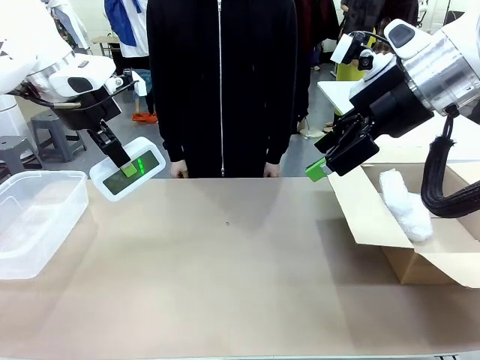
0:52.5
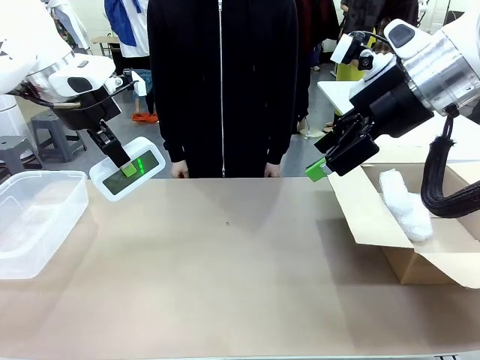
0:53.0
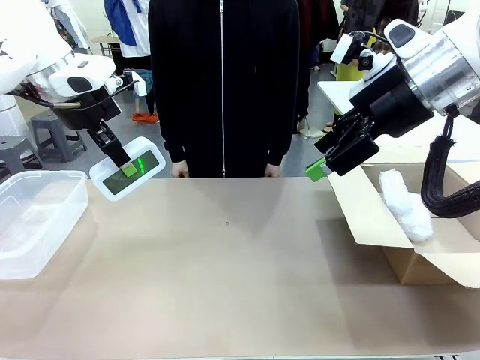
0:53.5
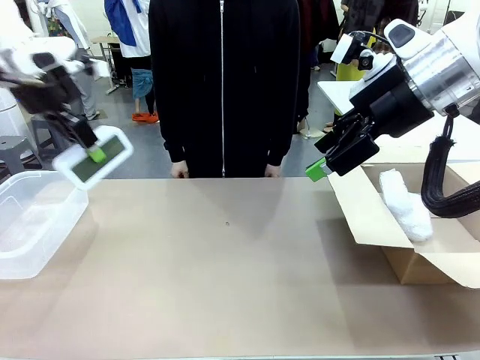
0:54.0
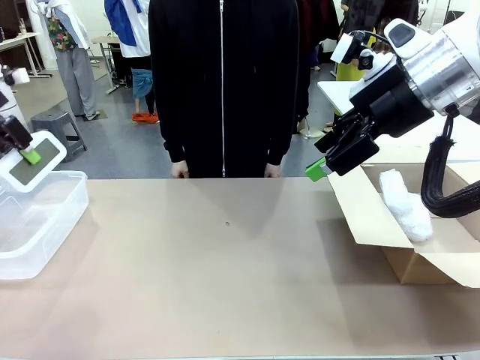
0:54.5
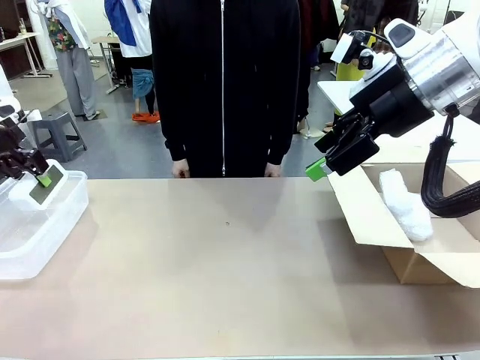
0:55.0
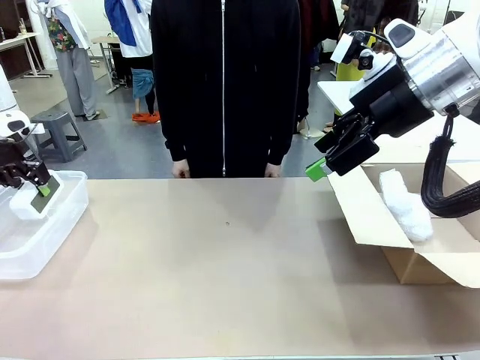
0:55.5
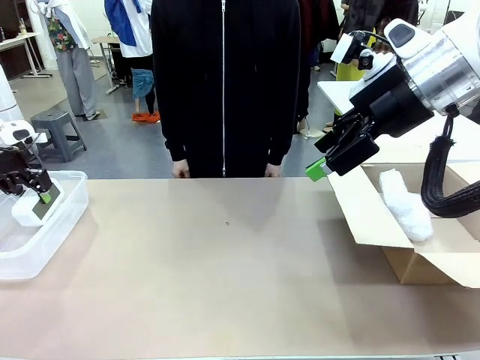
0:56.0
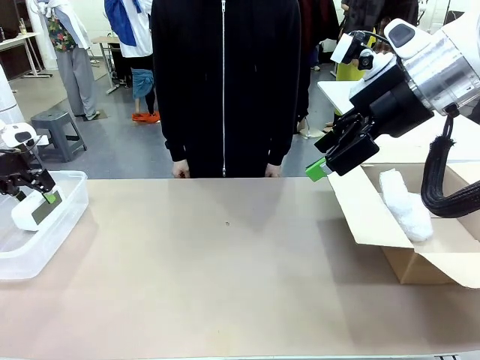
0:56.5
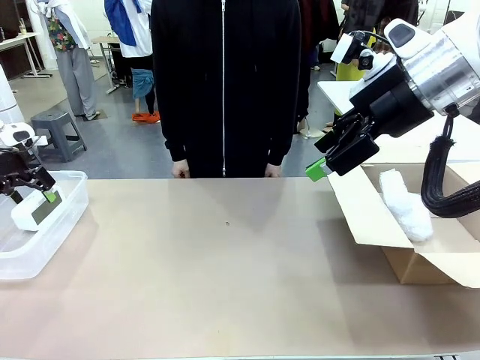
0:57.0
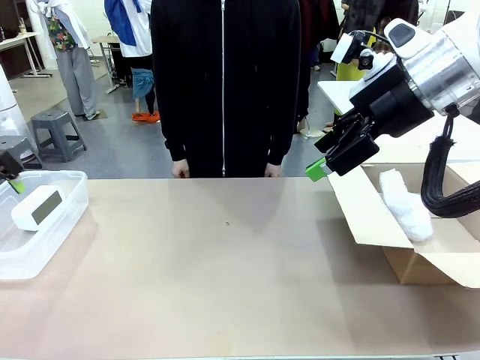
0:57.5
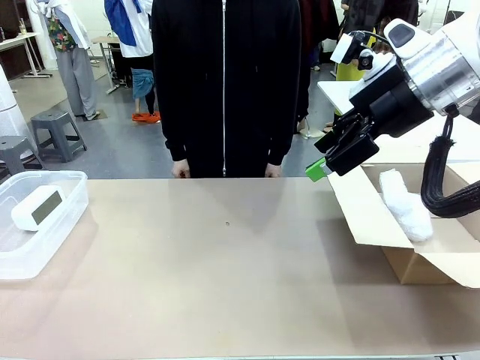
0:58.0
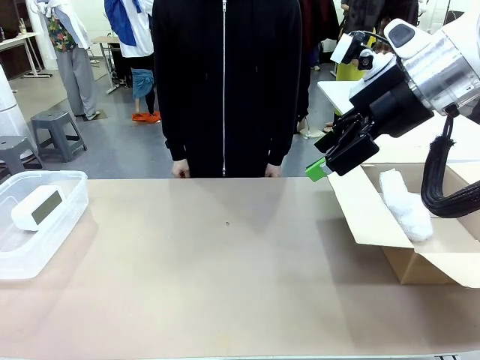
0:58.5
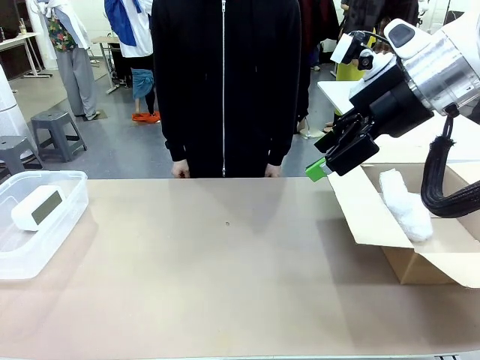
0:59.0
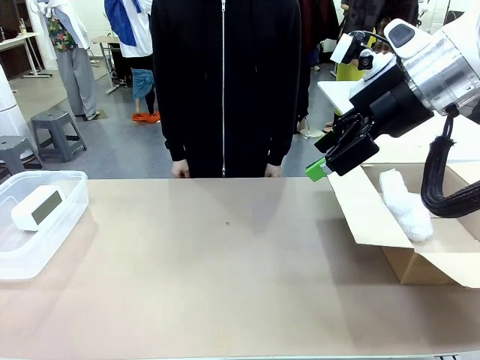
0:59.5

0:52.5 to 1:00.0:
Task: Separate and place wrapped and unwrapped clocks.
Robot: If the picked Digital clock is wrapped, place it in the Package Box ; if not, place it in the Organizing box.

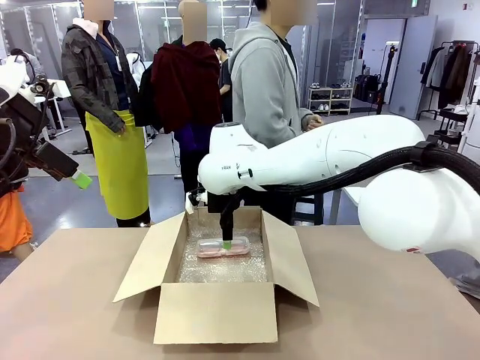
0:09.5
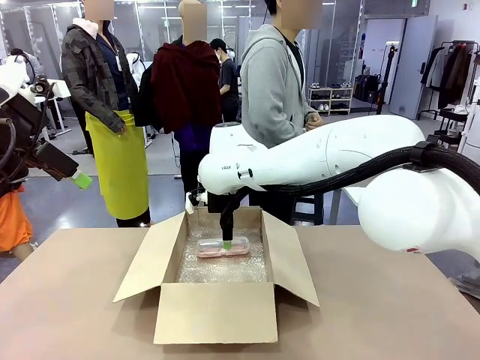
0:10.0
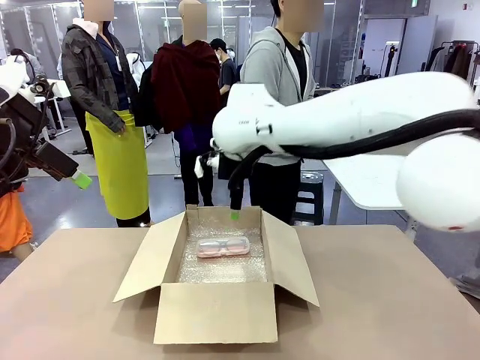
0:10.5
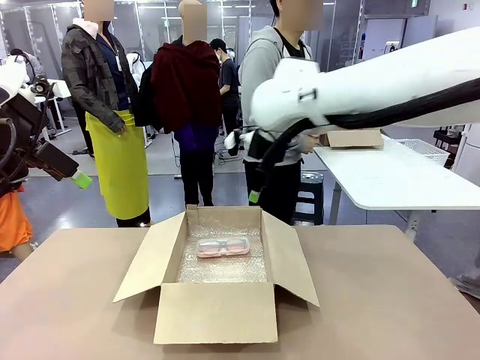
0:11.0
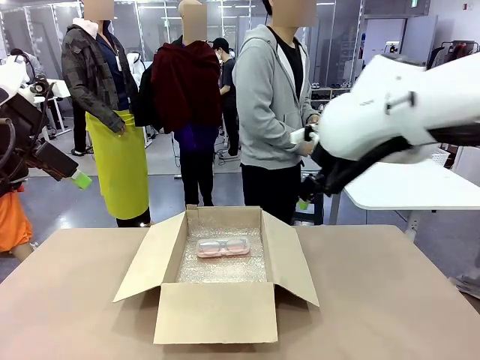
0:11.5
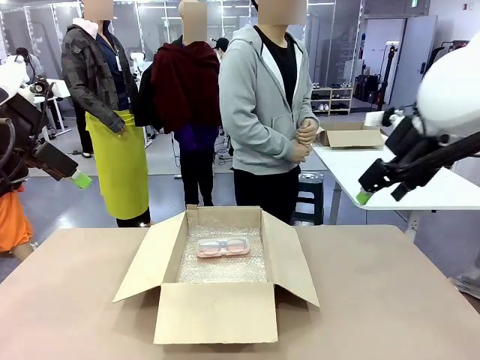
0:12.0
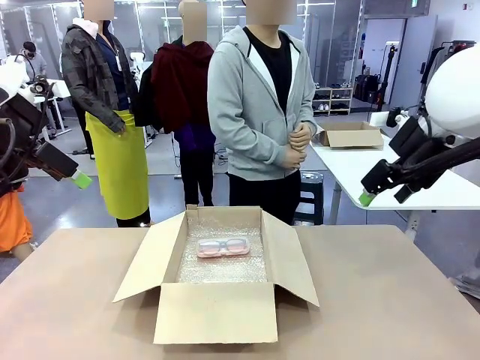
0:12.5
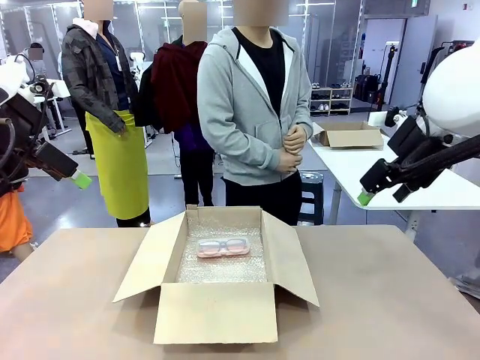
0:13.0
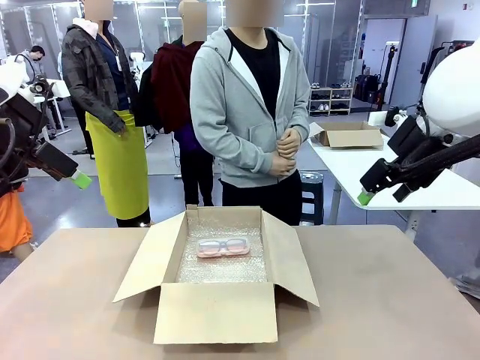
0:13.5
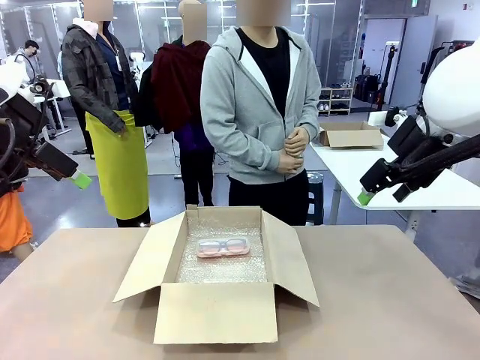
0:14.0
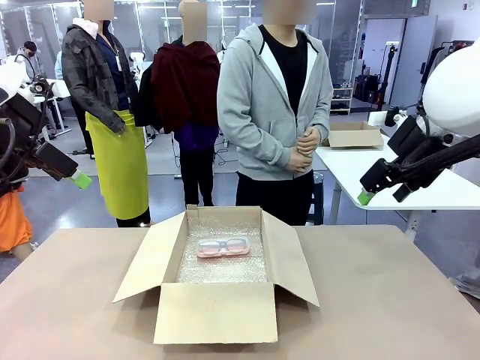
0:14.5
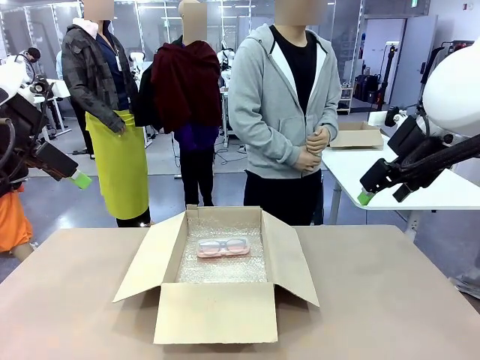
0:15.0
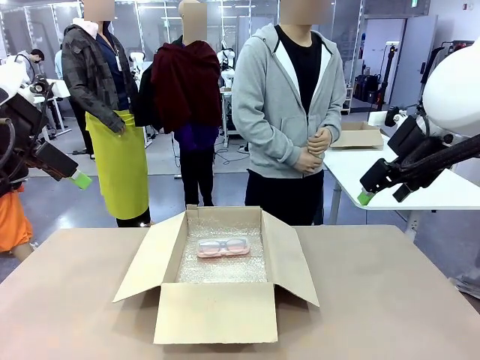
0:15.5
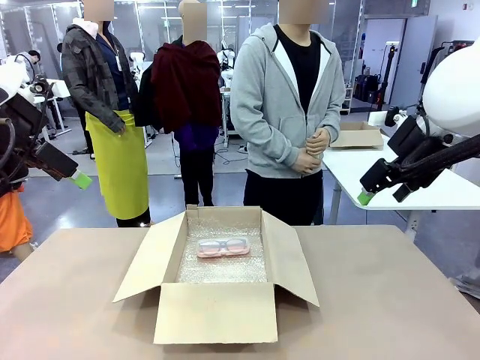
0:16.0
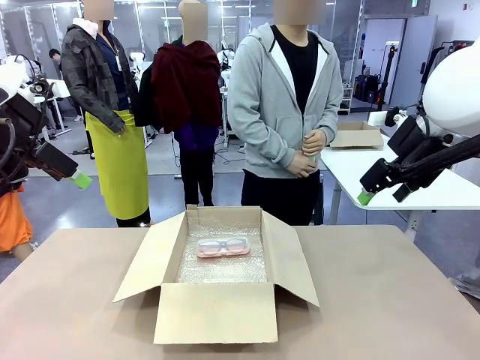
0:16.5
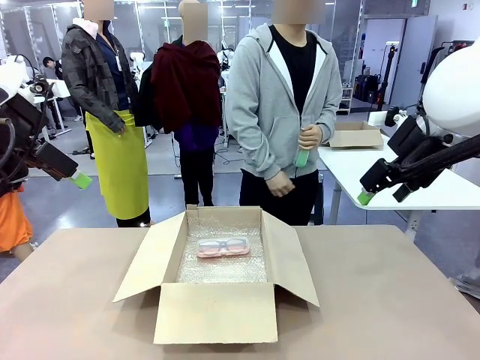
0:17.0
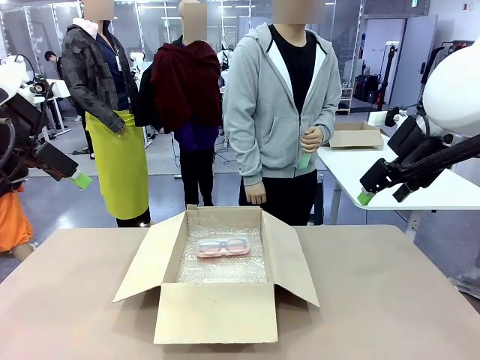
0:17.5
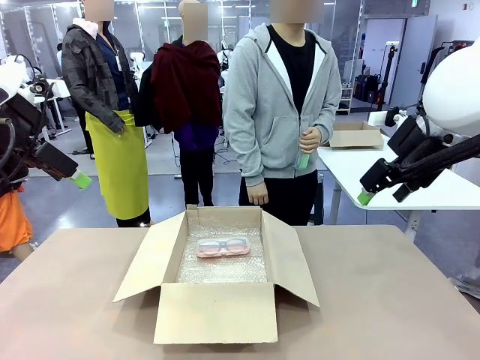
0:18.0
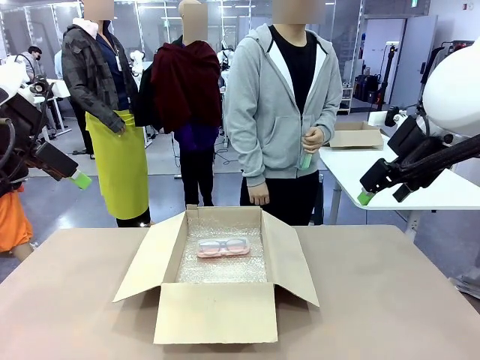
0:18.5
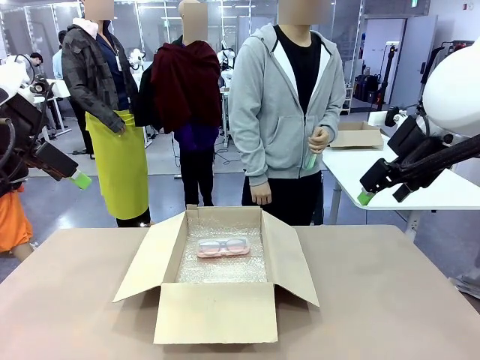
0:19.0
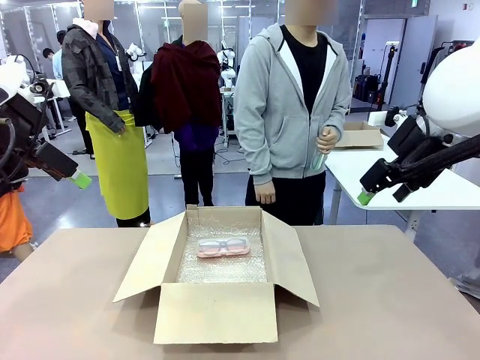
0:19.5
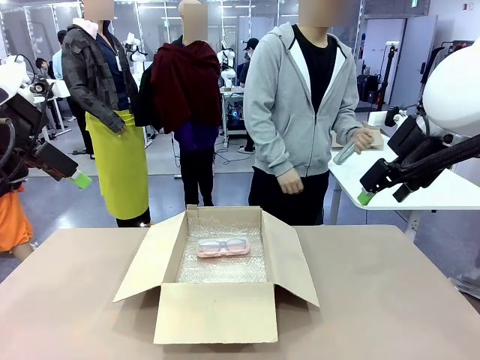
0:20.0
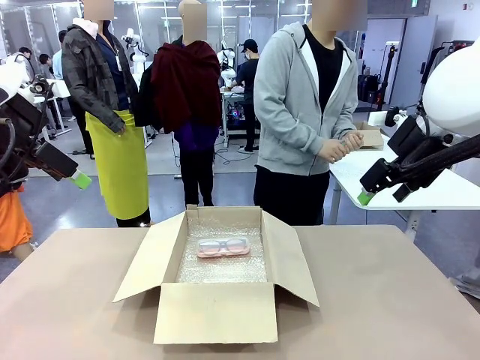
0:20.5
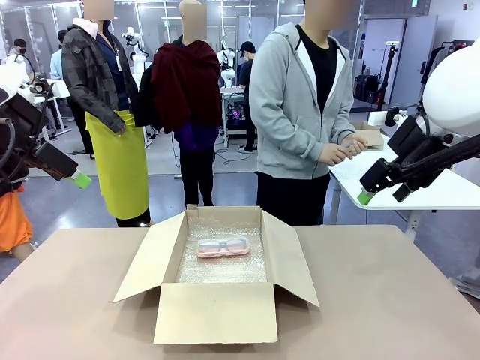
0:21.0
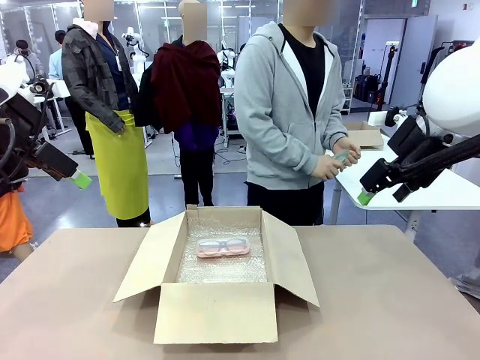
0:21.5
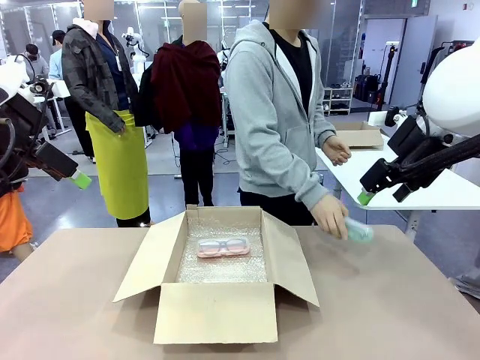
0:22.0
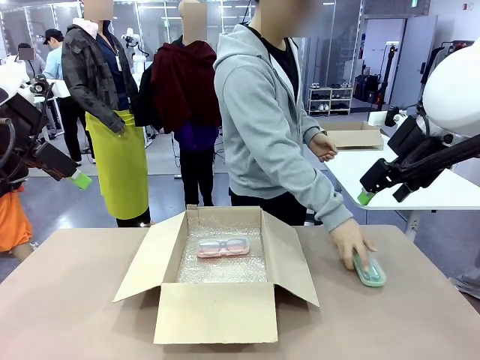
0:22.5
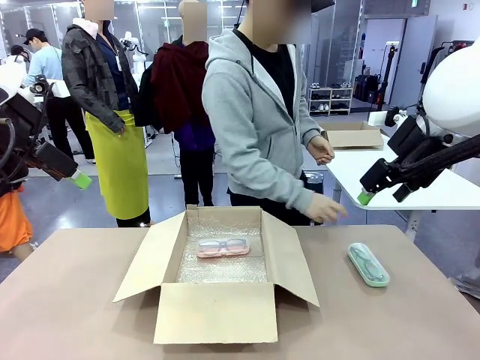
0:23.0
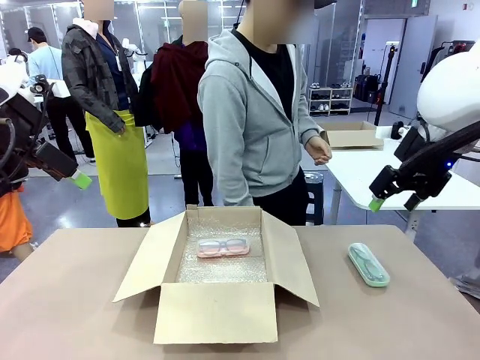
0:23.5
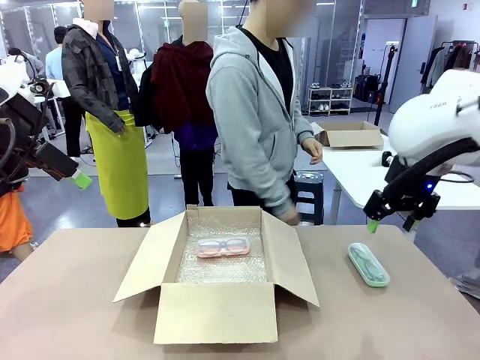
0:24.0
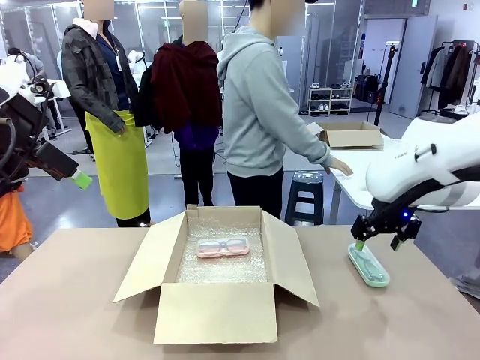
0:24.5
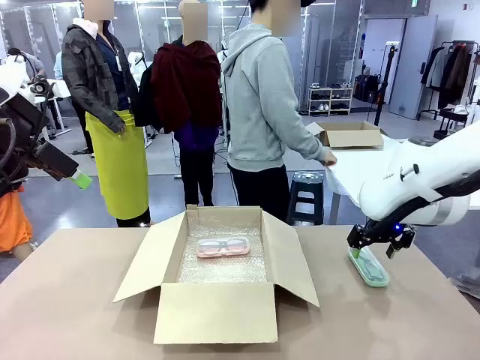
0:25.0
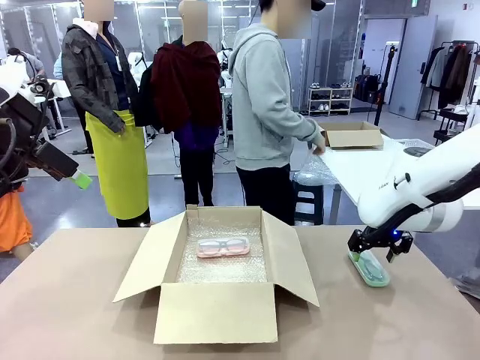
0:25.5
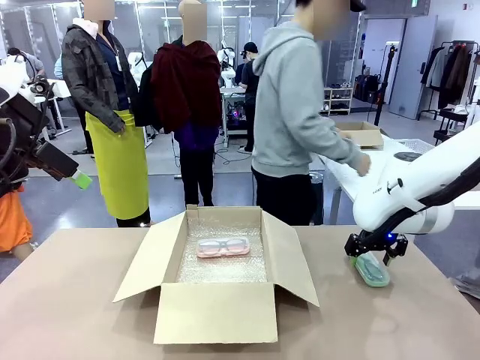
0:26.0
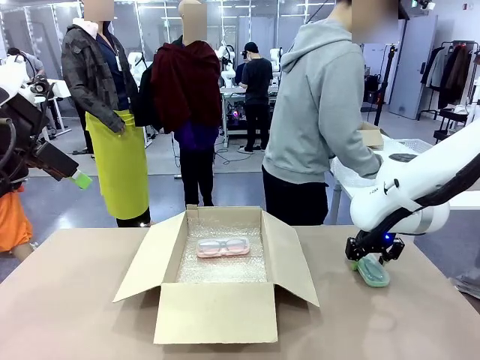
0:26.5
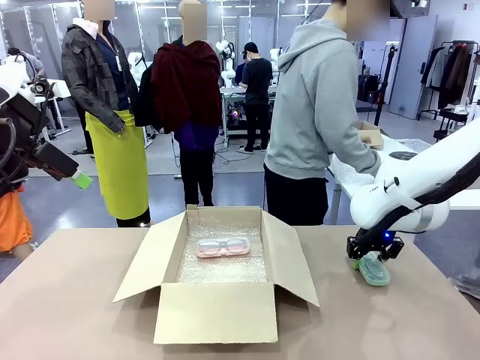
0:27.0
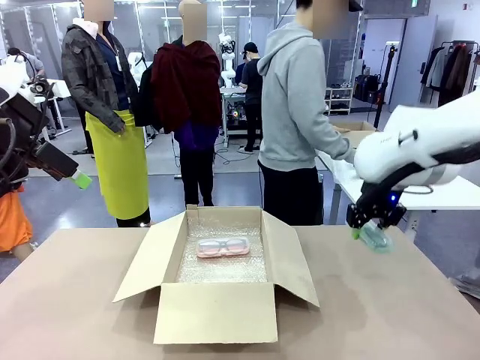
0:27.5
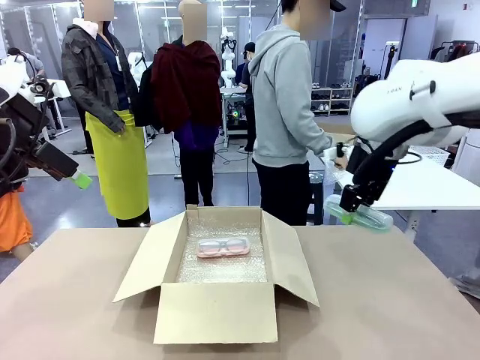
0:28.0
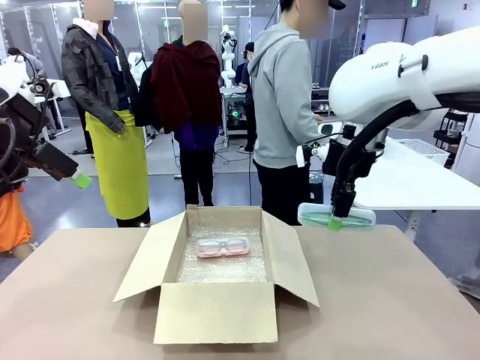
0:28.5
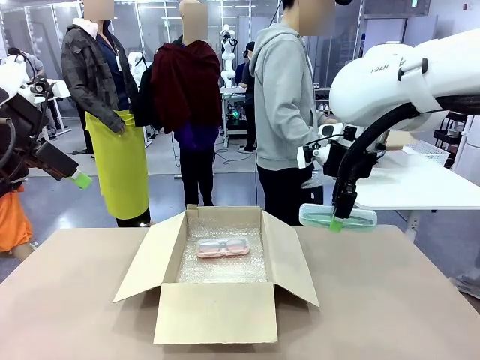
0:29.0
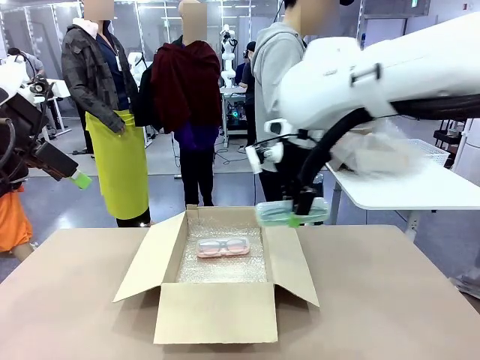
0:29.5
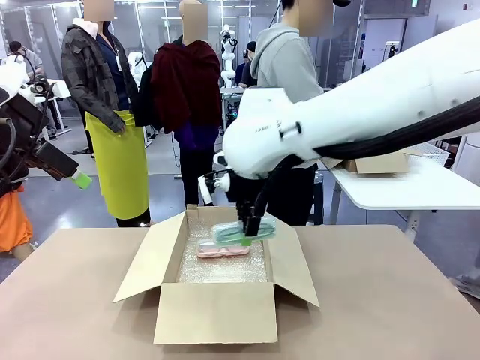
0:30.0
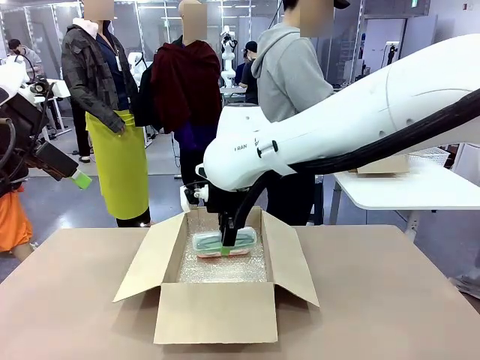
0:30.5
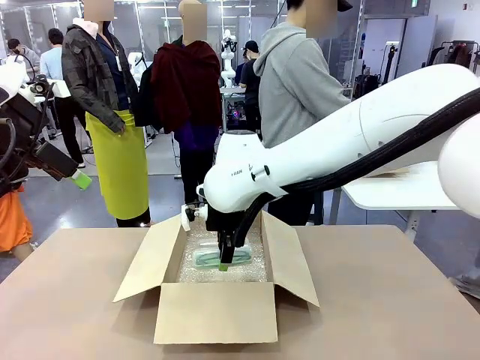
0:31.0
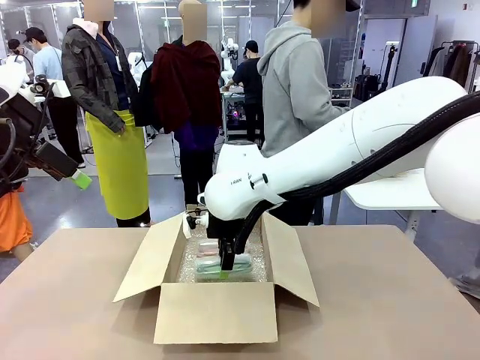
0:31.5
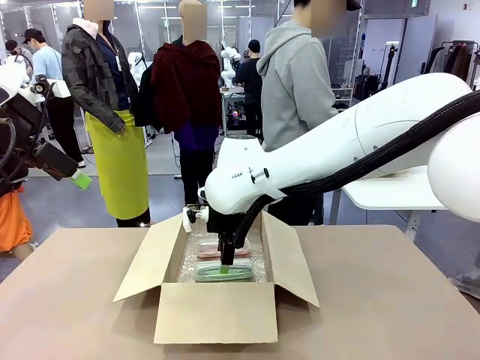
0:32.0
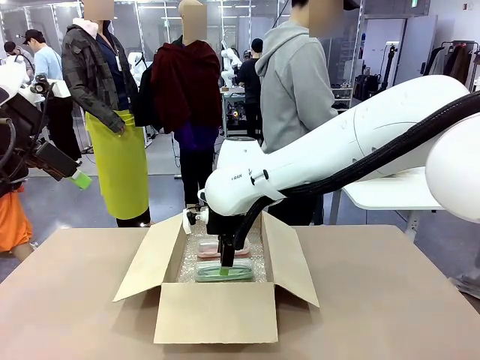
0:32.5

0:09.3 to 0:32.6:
Task: Pack the glasses set securely to prepare it for shipping.
Robot: Put the Glasses case from the right side of the table into the Package Box.
Person: Position the Glasses case on the left side of the robot's table.
